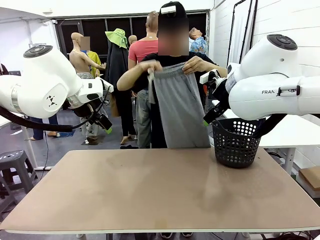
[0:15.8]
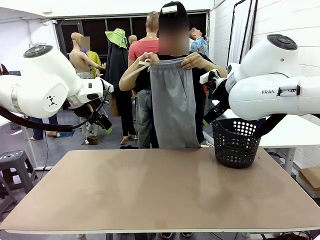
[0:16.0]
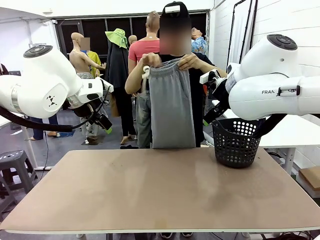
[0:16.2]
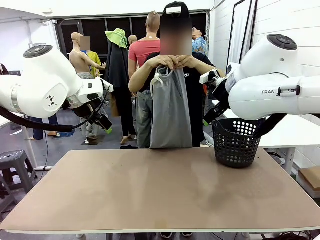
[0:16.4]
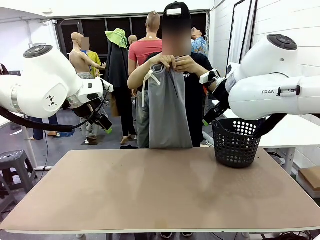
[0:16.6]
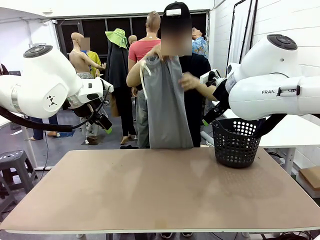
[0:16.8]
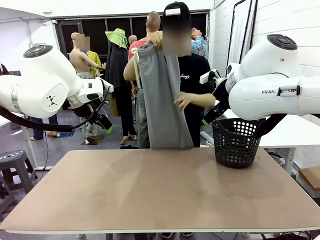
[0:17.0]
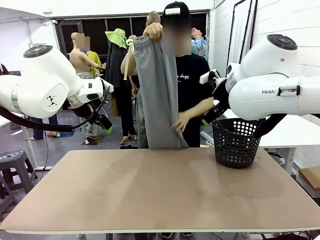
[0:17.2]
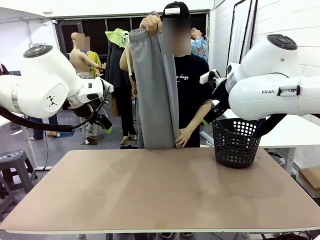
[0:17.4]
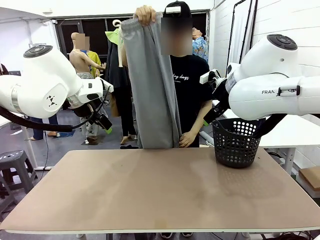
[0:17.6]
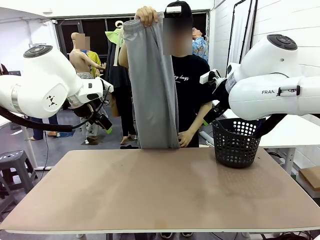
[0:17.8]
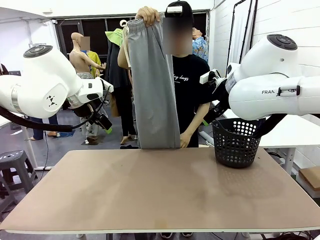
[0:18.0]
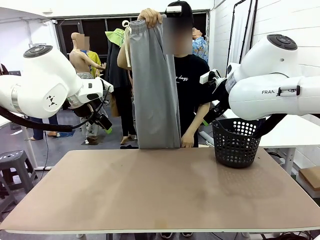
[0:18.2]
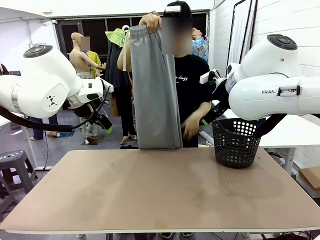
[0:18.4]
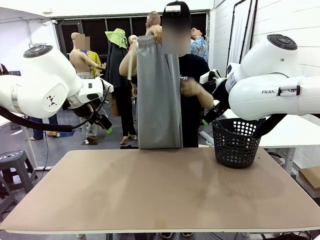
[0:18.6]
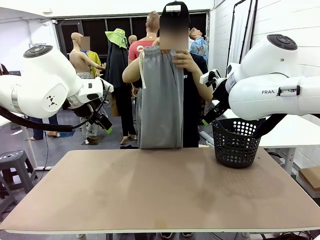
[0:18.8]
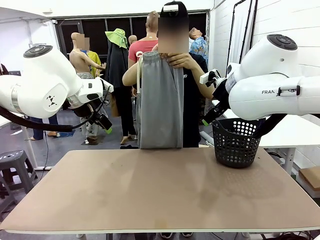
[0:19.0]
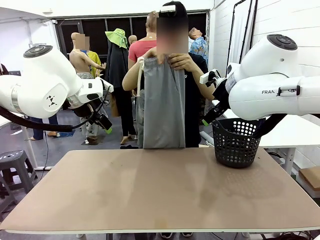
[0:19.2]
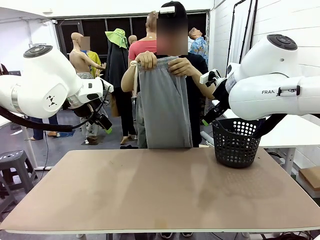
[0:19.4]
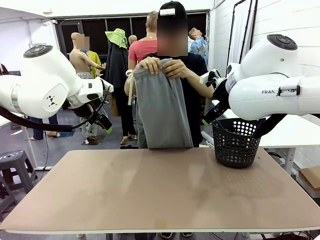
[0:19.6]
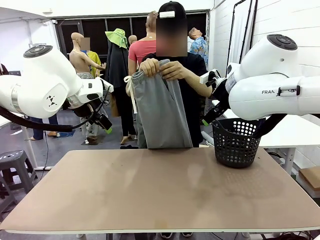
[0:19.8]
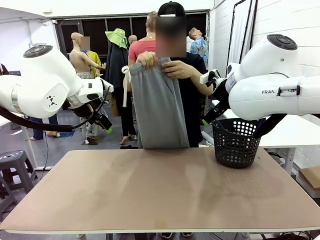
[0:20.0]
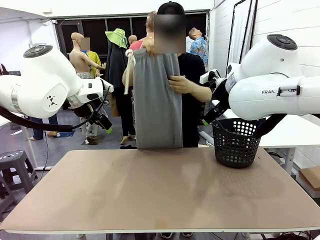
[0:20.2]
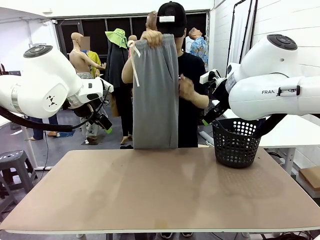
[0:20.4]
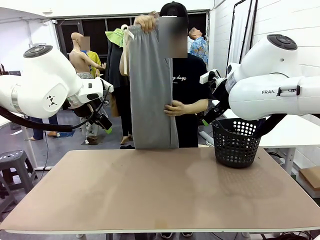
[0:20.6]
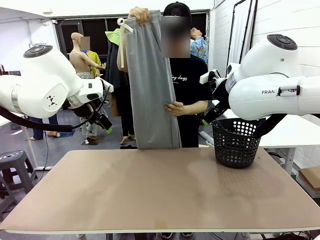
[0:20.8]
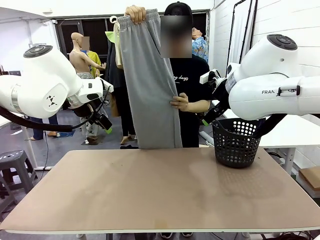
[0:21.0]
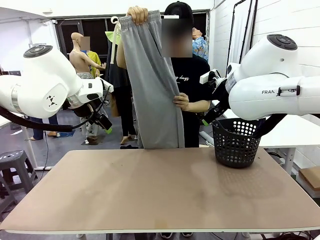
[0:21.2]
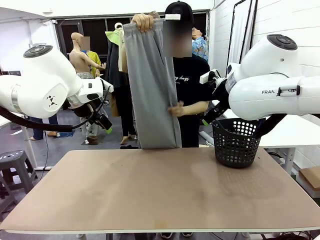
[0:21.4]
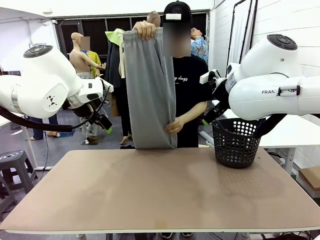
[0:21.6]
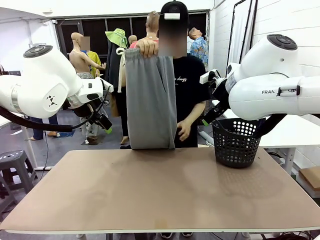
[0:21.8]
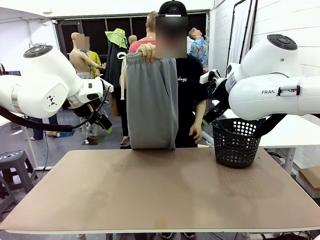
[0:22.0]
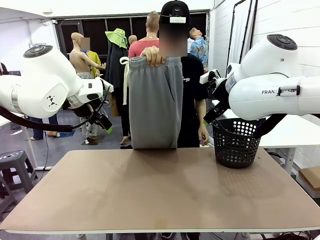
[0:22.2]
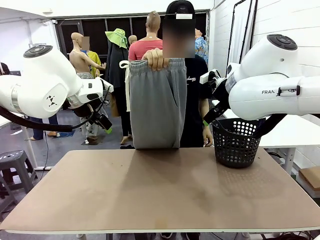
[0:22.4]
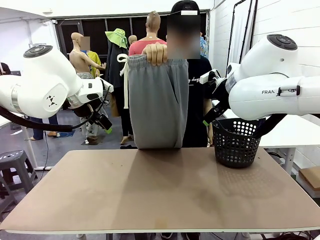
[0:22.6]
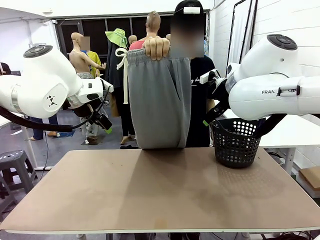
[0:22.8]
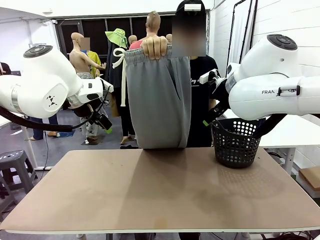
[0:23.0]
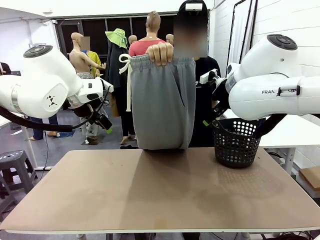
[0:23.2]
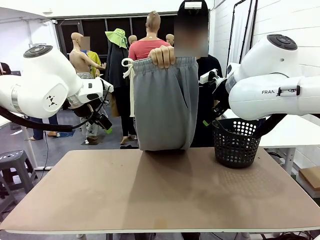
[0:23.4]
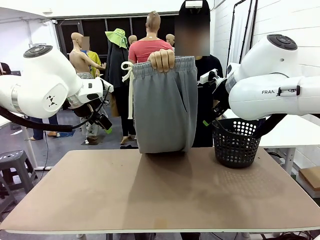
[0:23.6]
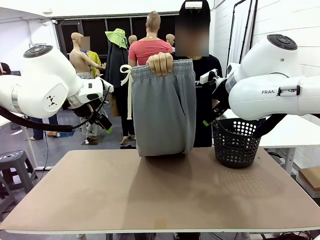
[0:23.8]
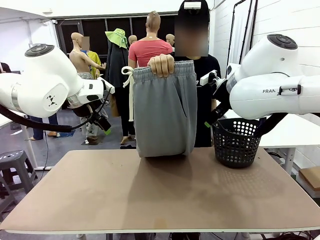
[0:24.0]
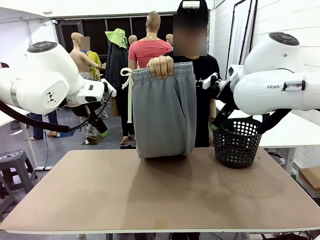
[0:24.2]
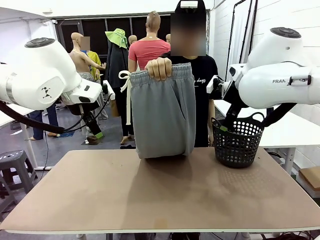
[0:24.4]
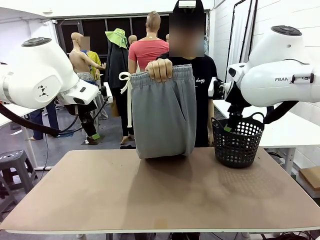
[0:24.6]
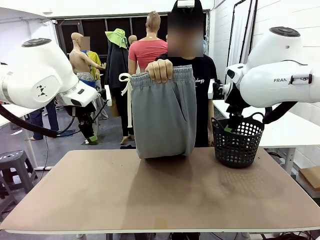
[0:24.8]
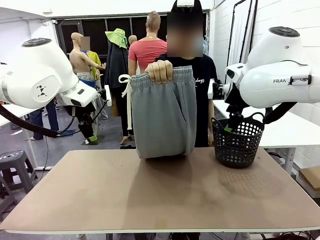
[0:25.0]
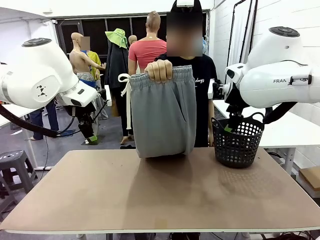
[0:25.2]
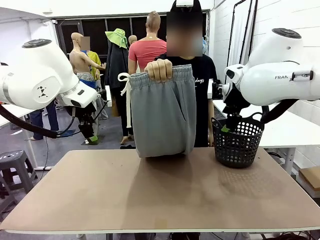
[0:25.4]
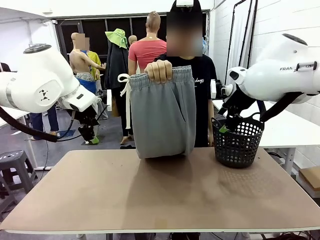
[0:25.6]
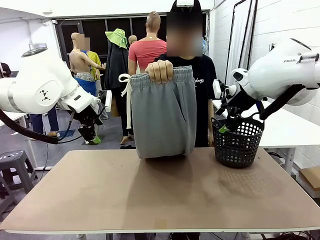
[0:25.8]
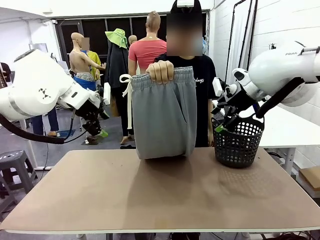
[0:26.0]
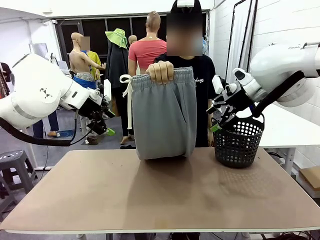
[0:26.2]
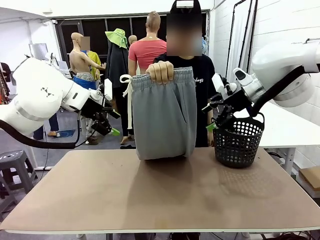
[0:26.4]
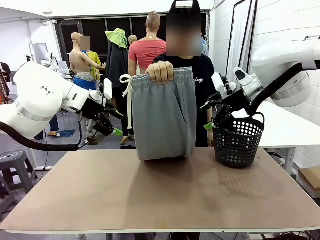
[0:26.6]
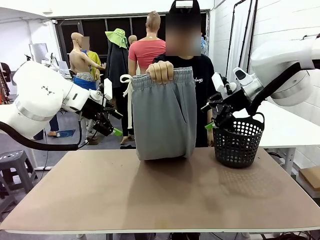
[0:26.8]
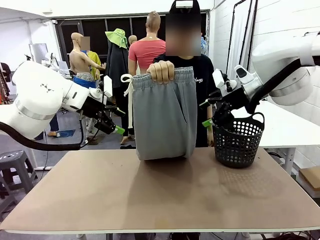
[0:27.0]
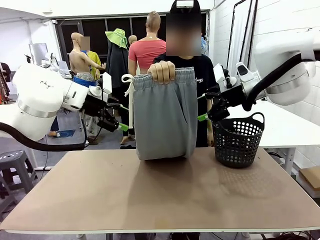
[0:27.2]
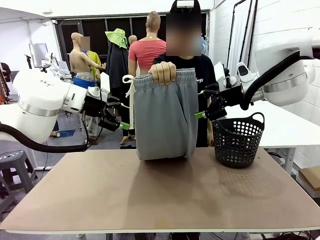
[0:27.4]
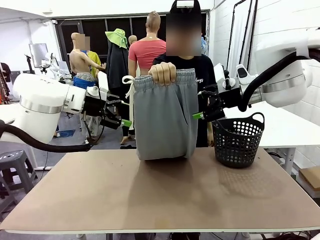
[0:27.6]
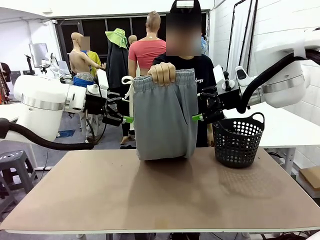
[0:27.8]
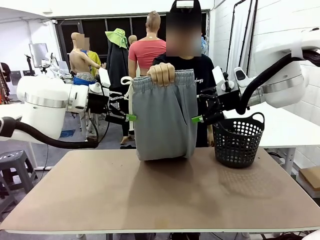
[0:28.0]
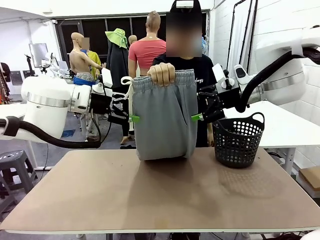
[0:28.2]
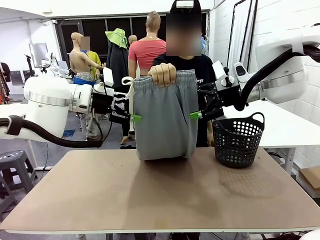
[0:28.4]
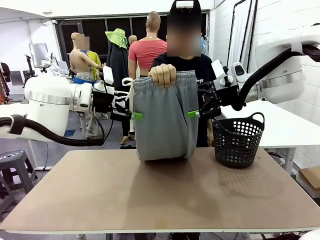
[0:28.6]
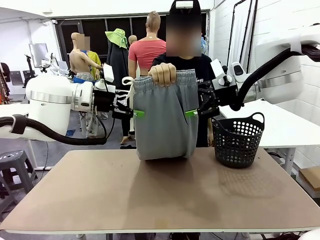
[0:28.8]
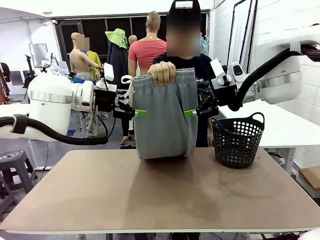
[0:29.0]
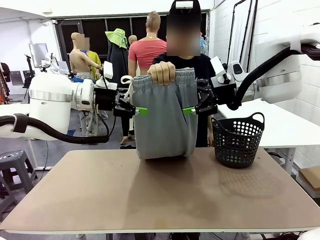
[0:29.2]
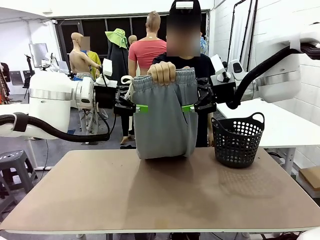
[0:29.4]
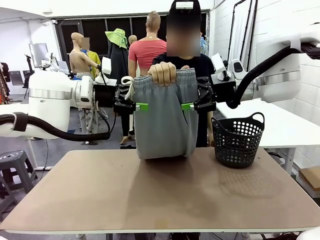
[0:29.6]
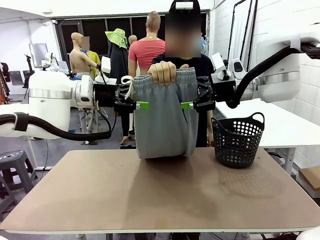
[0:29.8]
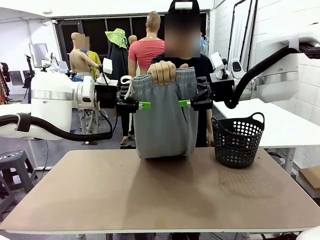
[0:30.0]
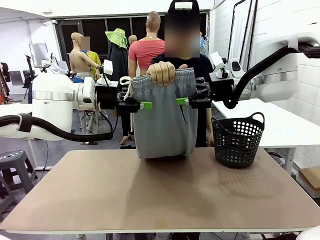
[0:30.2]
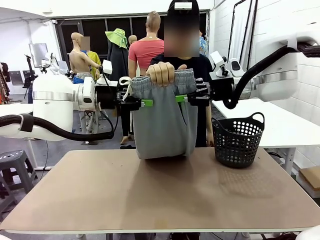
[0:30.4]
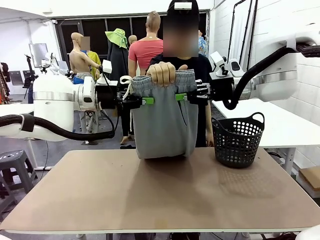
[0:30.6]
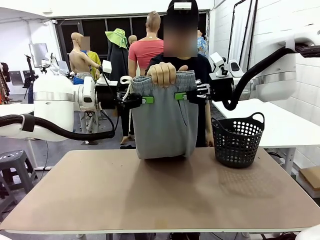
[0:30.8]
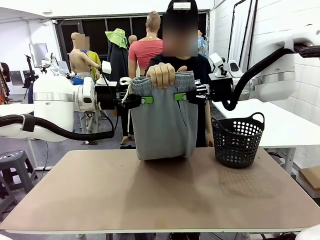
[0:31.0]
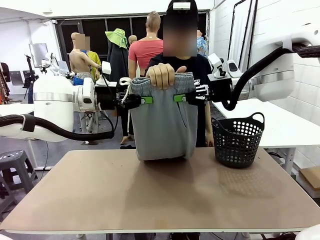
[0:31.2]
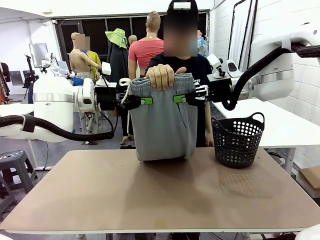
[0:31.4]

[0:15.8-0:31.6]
Task: Fold the training pants.
Robot: Grab both ends of the Training pants handed by a person.
